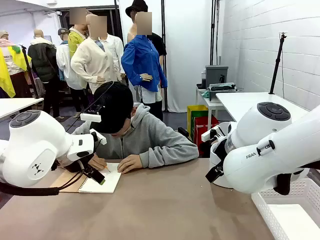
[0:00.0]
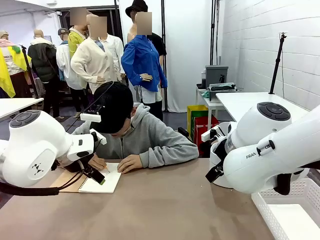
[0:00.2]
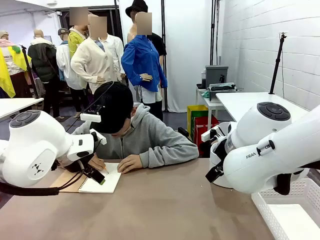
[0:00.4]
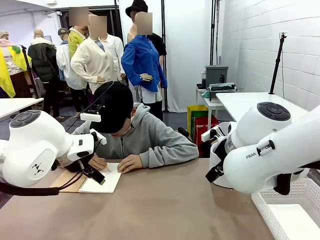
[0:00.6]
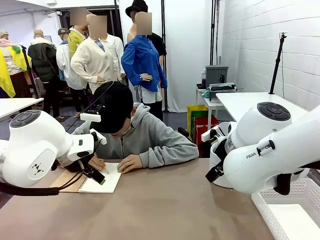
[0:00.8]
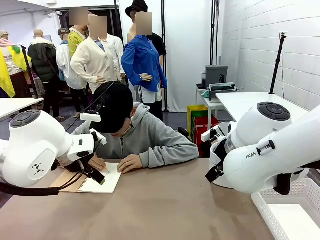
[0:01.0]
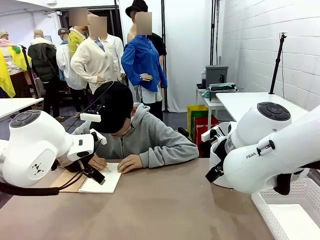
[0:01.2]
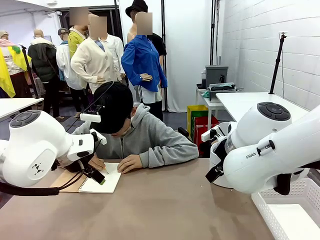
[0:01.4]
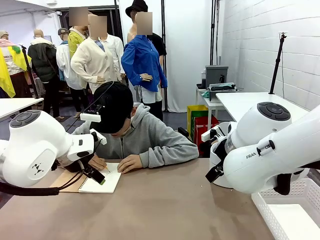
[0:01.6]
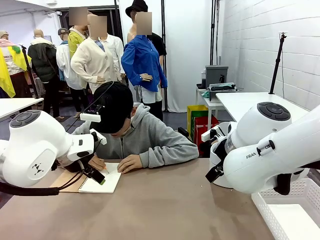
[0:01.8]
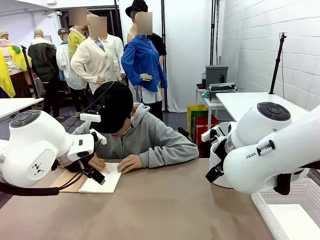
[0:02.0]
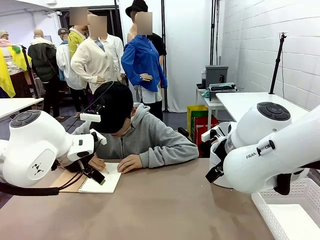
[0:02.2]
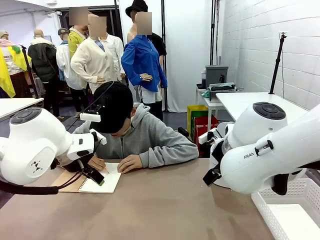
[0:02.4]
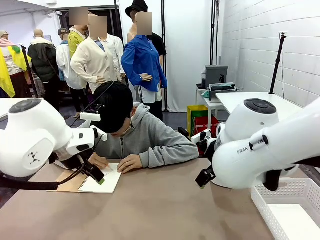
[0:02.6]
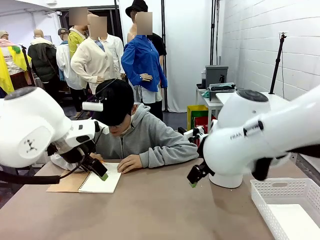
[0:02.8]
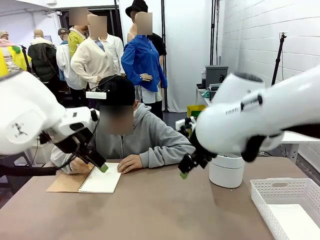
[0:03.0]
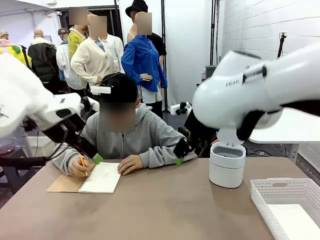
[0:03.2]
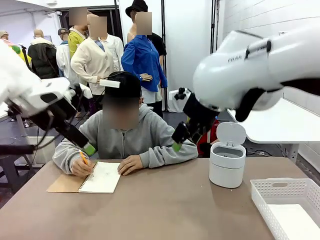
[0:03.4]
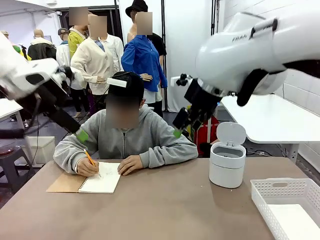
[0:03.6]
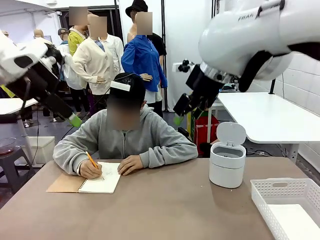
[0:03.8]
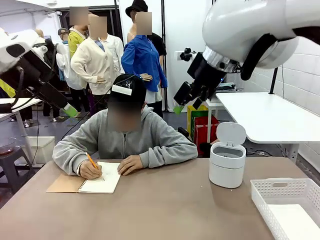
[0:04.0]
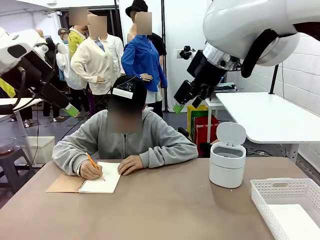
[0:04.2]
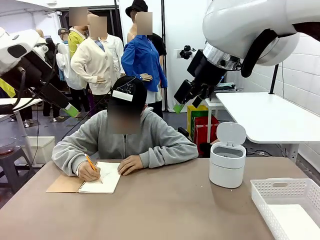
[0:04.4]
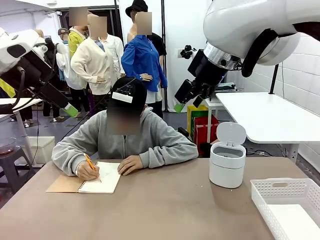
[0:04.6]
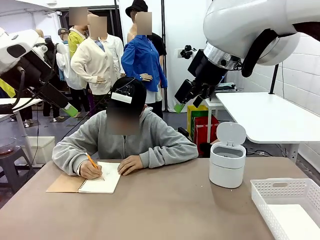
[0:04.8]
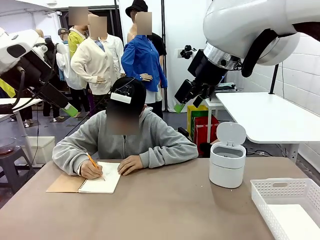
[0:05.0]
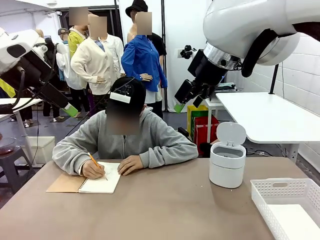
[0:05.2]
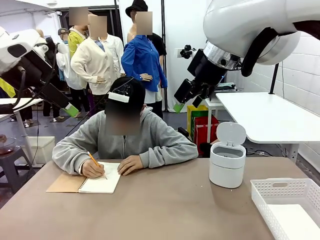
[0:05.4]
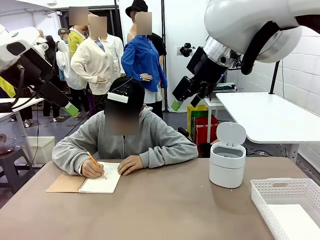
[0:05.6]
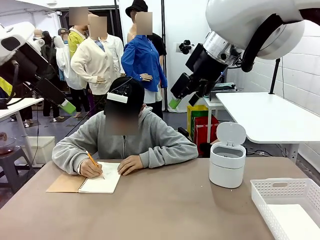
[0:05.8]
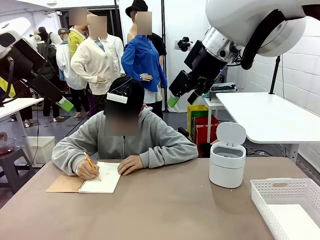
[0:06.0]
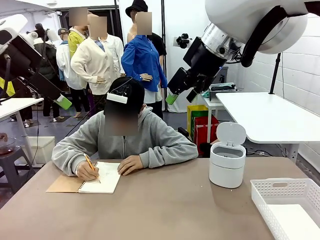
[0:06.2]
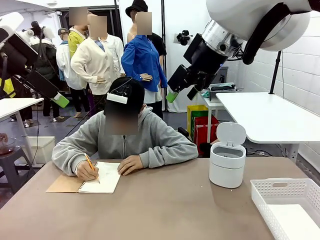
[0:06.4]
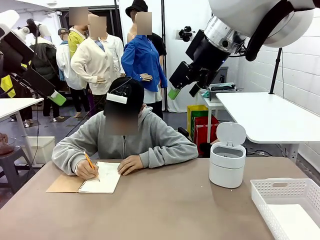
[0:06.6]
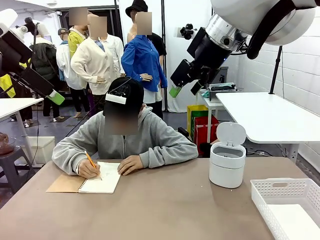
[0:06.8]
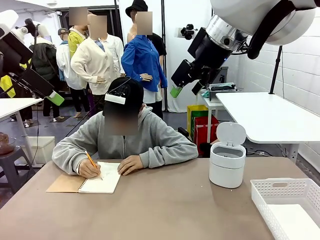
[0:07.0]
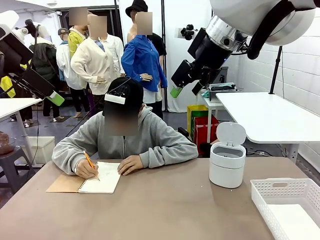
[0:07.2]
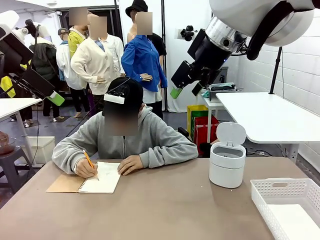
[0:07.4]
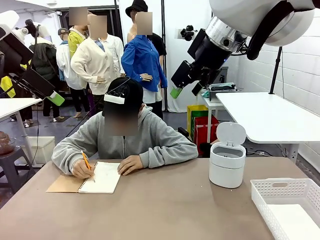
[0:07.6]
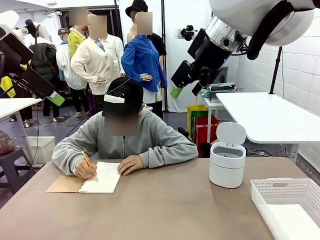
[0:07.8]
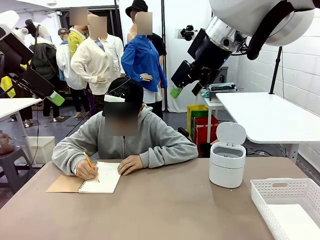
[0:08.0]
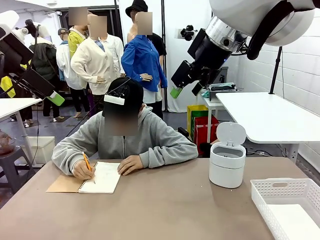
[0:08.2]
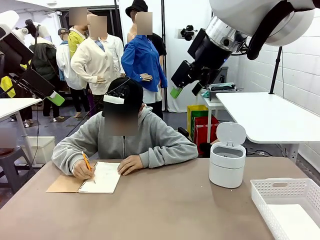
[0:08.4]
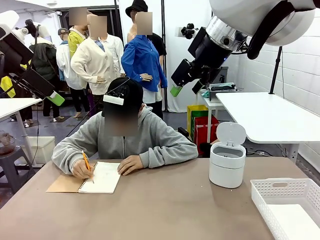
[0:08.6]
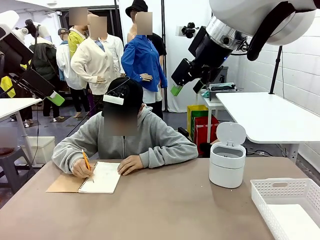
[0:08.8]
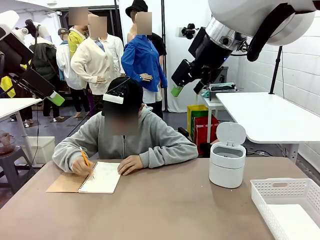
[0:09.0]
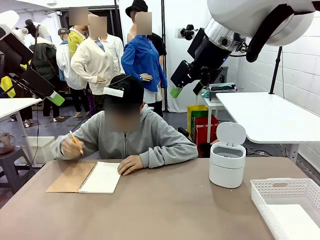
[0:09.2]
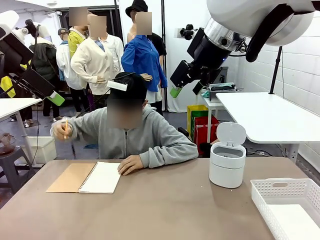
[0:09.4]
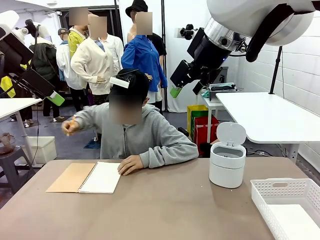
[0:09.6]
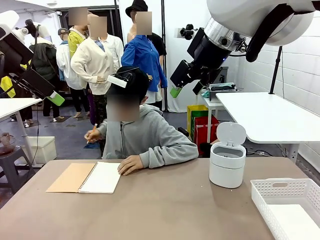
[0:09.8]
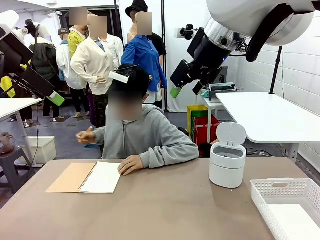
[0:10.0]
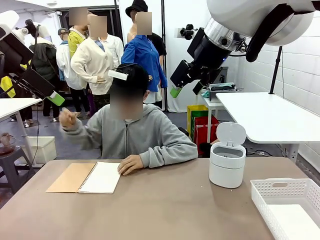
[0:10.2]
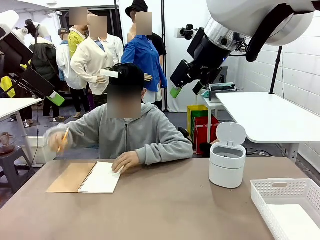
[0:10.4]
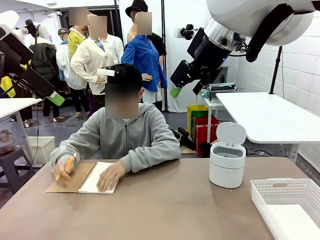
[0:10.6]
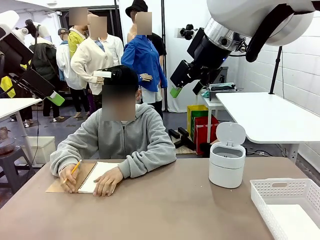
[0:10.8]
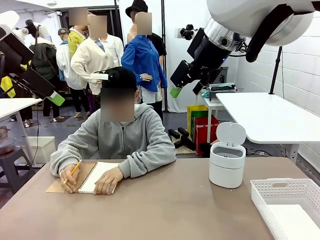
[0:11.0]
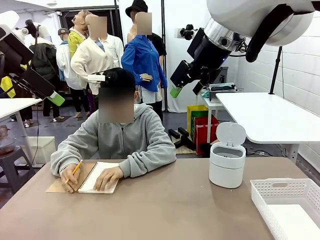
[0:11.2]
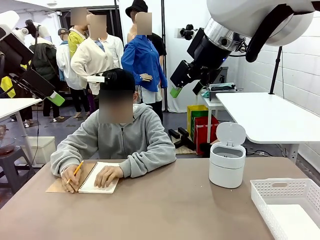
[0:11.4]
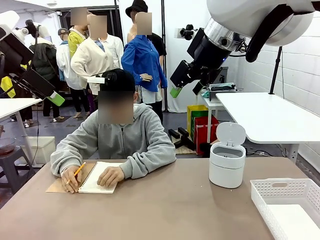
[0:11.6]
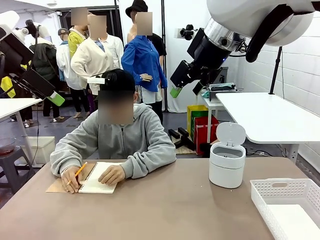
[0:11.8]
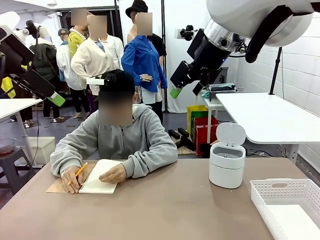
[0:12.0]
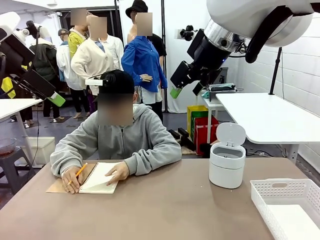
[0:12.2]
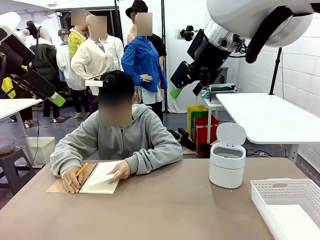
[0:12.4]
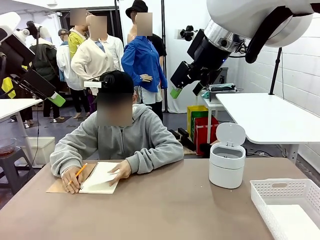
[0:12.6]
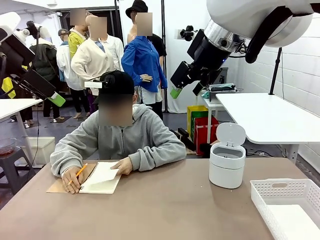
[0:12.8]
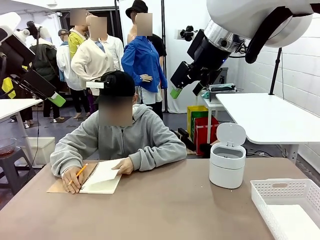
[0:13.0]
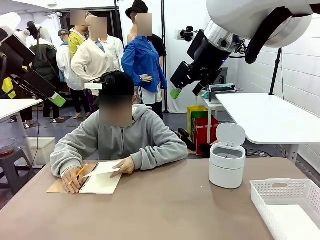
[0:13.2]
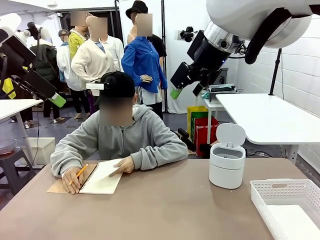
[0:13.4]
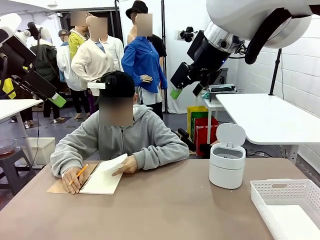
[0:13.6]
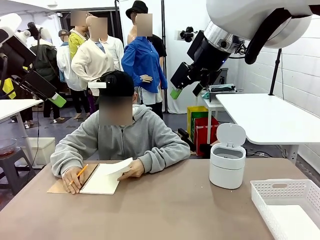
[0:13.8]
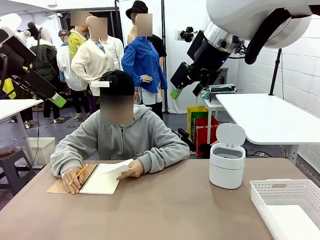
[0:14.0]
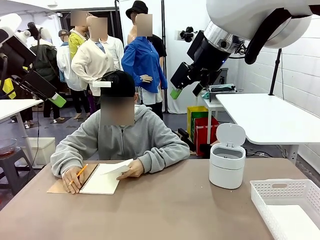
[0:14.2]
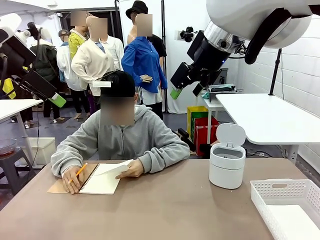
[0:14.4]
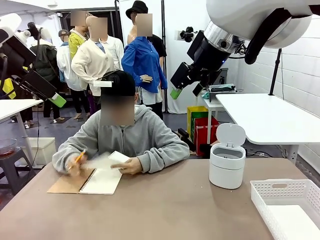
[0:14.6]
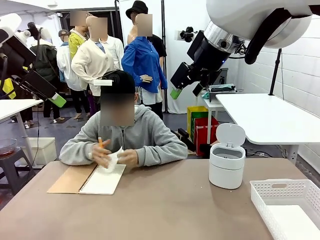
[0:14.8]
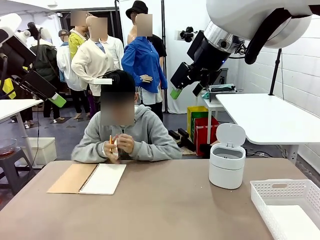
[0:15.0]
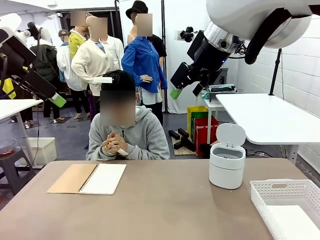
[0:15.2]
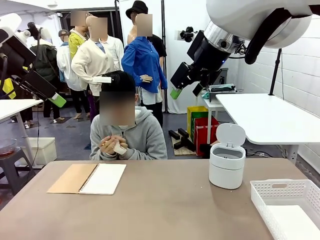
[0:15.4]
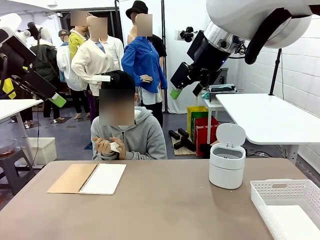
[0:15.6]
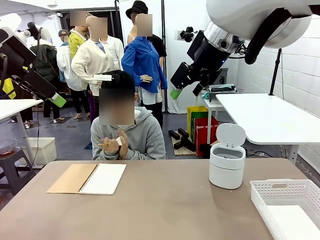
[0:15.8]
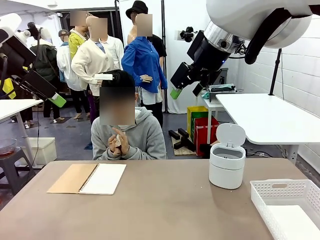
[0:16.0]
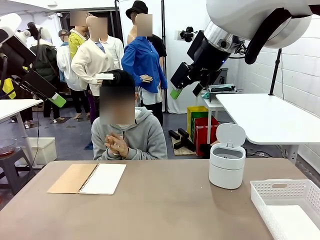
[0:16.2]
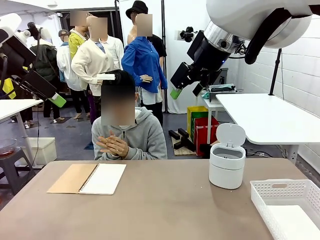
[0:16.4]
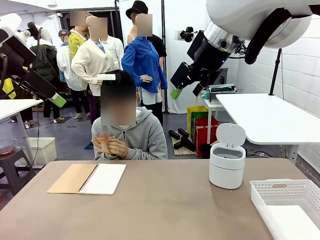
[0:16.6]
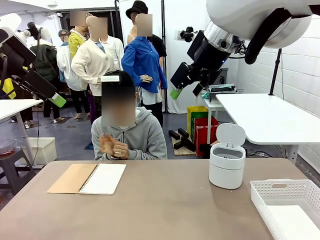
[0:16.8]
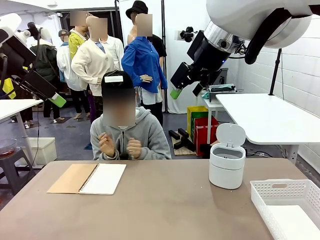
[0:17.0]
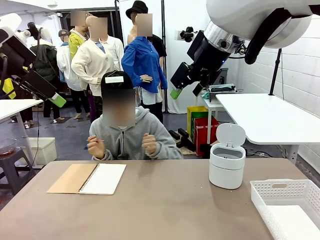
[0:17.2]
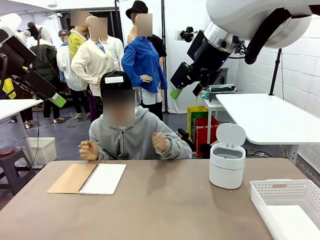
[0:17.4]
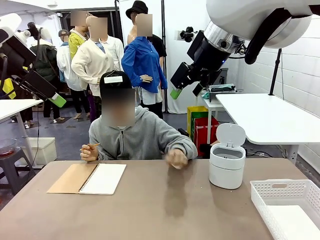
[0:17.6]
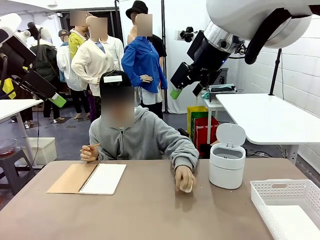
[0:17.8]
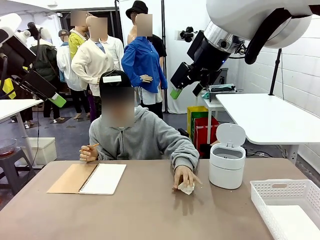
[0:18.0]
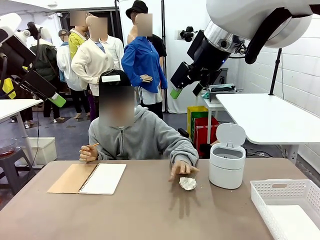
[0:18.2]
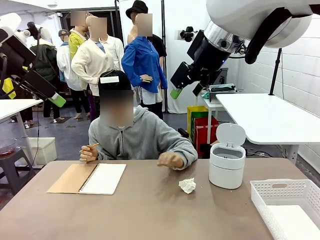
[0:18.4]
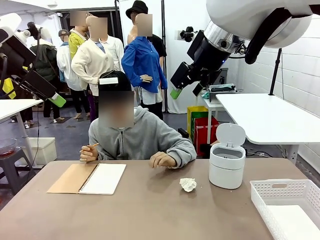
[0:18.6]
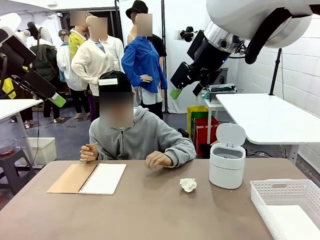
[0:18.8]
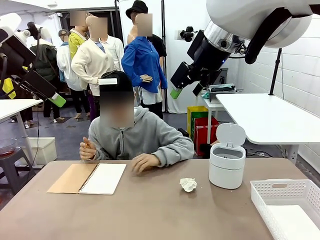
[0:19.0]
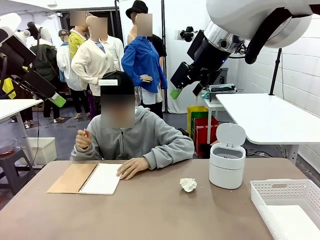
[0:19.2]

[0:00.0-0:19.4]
Task: Sort the paper based on its condition.
Robot: If a person hands you a paper, place it in the Organizing basket , and if it's crumpled, put it in the Trash can.
Person: Tear out a page from the spiral notebook. Hand the torn page to the robot or crumple it and throw it to the center of the table.
